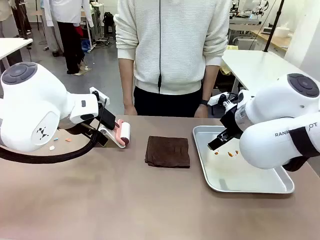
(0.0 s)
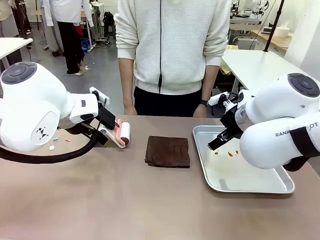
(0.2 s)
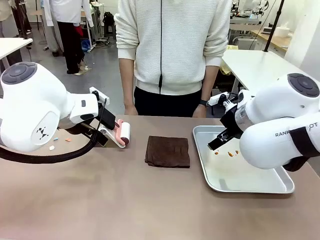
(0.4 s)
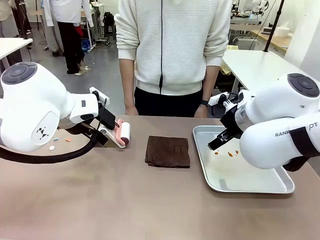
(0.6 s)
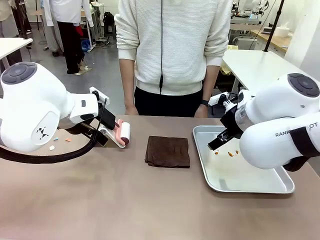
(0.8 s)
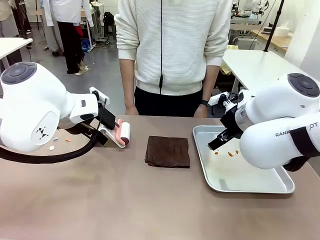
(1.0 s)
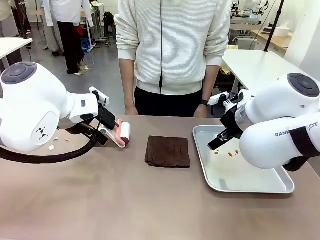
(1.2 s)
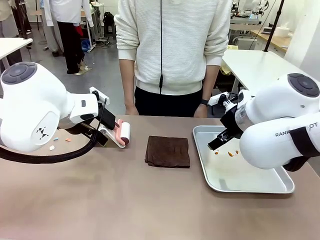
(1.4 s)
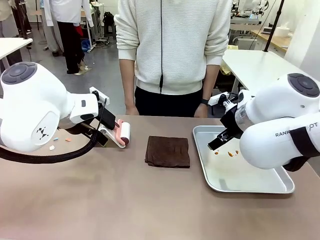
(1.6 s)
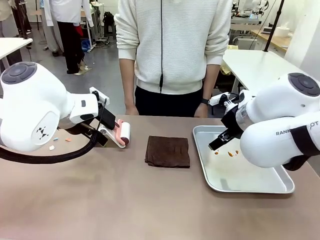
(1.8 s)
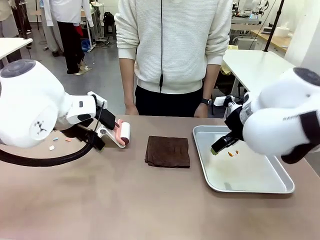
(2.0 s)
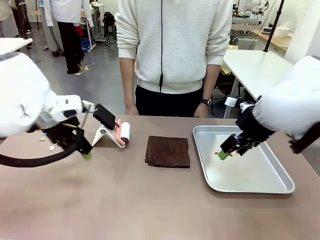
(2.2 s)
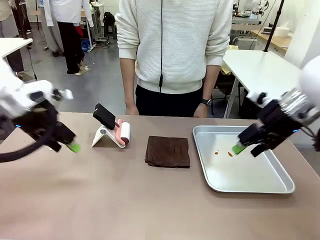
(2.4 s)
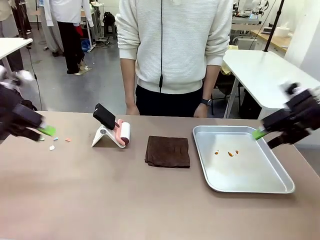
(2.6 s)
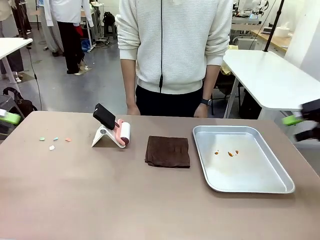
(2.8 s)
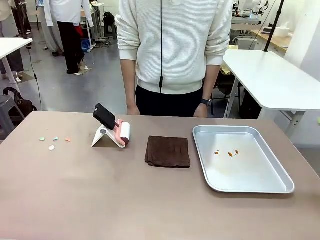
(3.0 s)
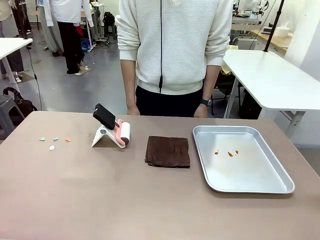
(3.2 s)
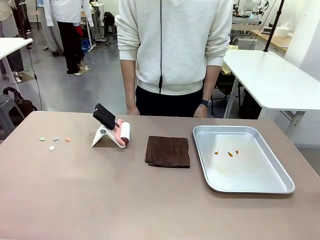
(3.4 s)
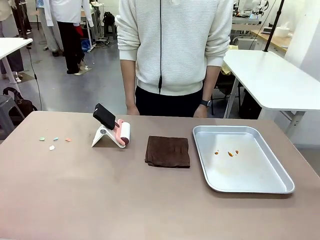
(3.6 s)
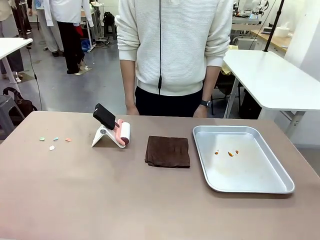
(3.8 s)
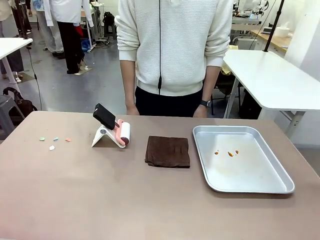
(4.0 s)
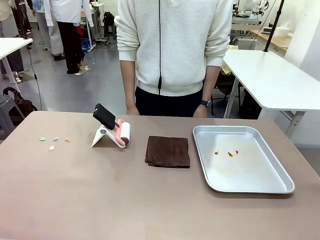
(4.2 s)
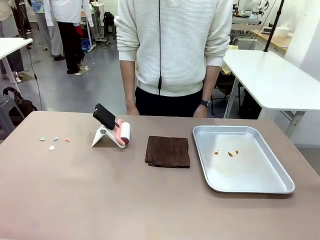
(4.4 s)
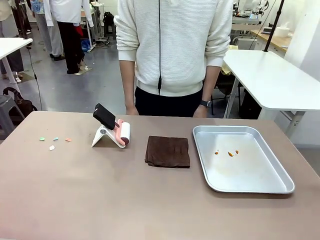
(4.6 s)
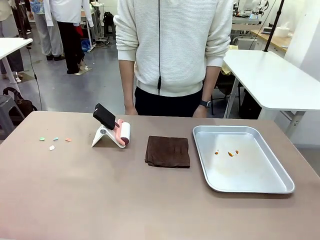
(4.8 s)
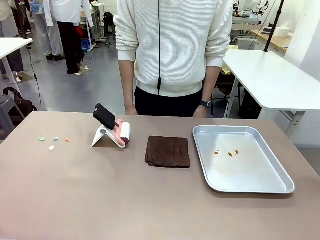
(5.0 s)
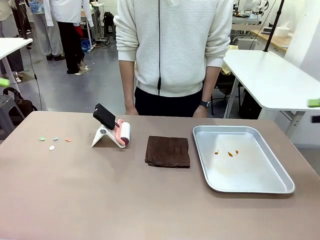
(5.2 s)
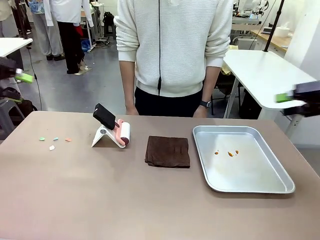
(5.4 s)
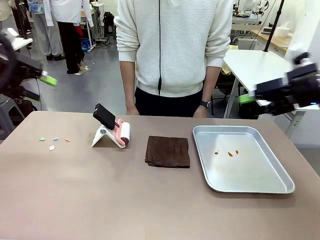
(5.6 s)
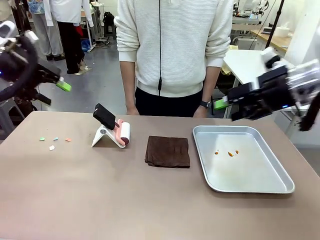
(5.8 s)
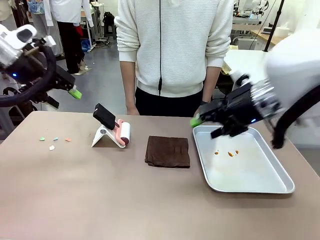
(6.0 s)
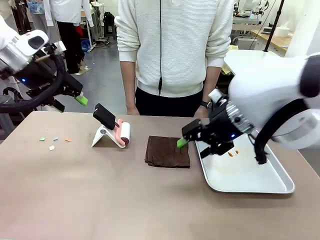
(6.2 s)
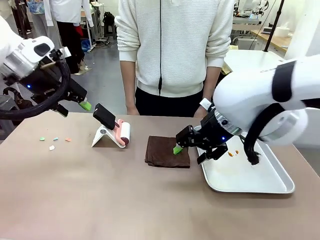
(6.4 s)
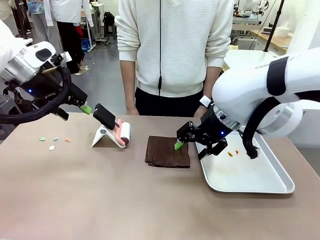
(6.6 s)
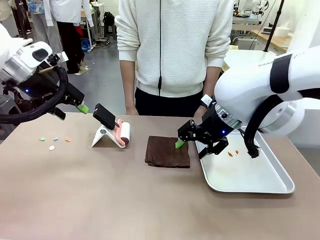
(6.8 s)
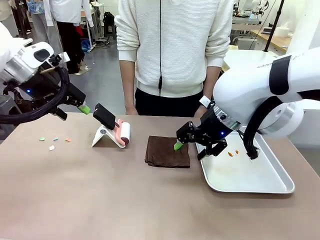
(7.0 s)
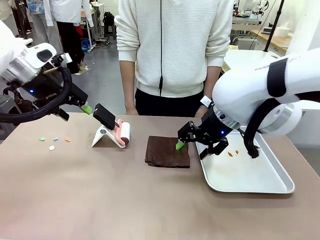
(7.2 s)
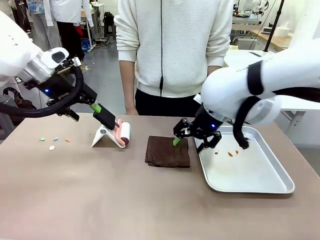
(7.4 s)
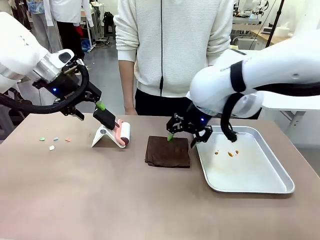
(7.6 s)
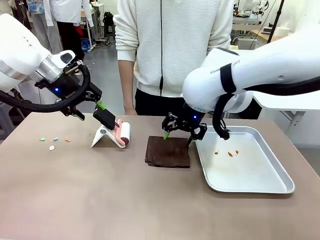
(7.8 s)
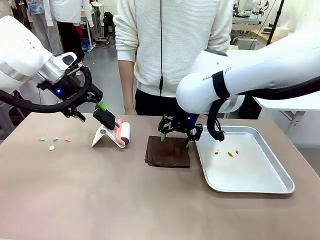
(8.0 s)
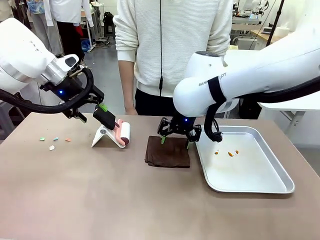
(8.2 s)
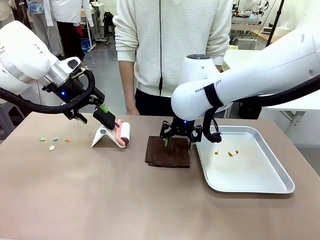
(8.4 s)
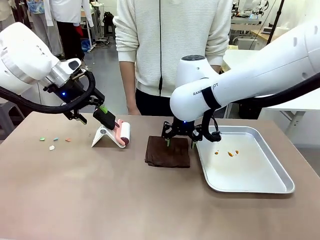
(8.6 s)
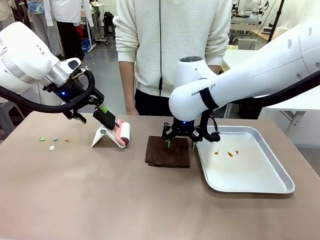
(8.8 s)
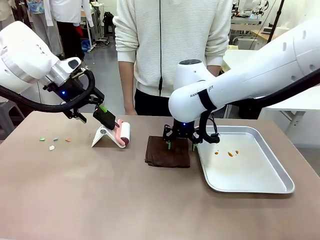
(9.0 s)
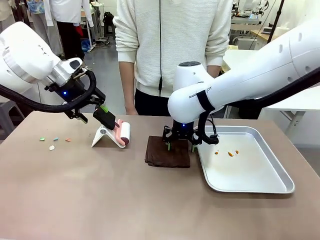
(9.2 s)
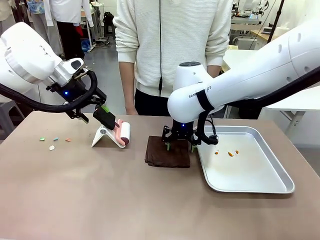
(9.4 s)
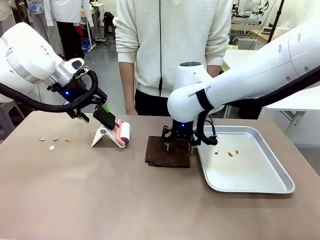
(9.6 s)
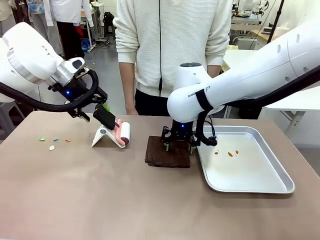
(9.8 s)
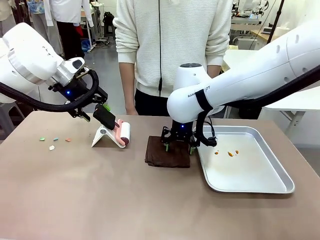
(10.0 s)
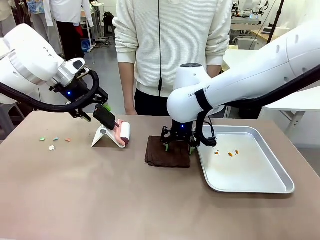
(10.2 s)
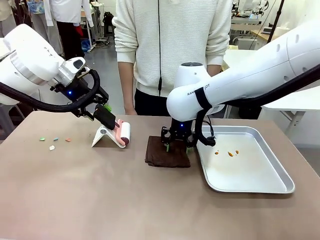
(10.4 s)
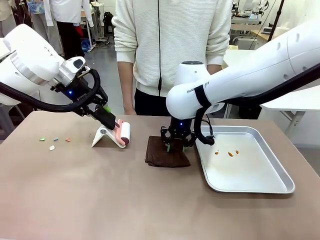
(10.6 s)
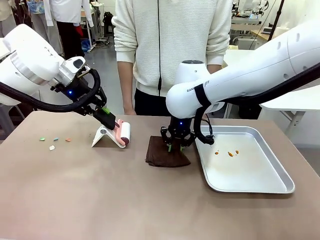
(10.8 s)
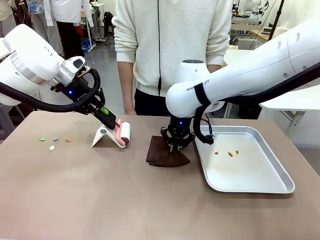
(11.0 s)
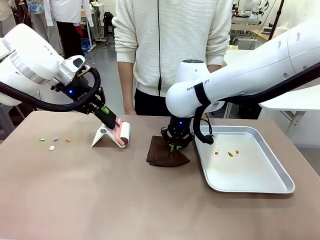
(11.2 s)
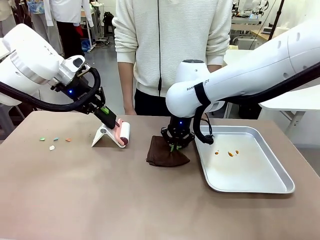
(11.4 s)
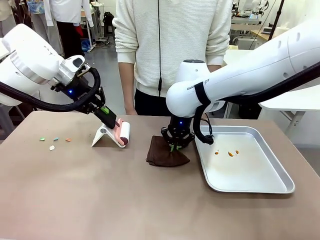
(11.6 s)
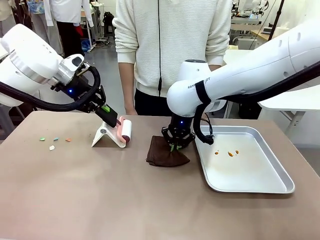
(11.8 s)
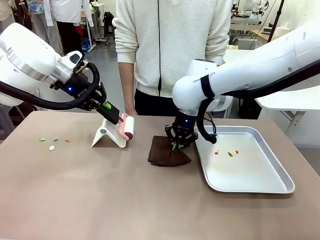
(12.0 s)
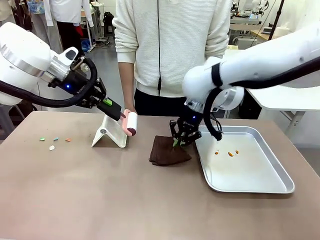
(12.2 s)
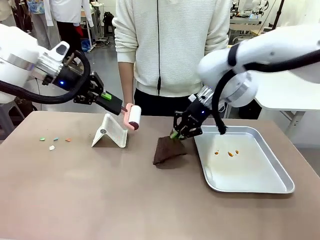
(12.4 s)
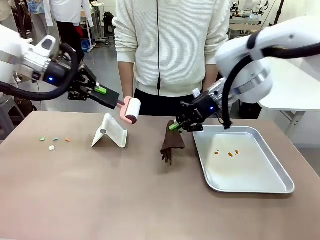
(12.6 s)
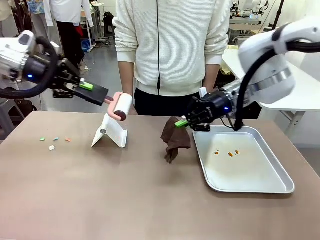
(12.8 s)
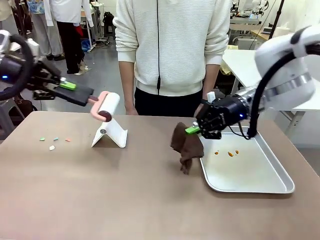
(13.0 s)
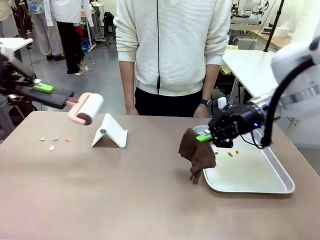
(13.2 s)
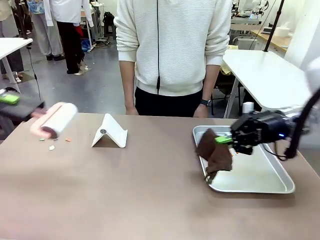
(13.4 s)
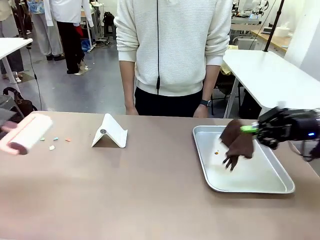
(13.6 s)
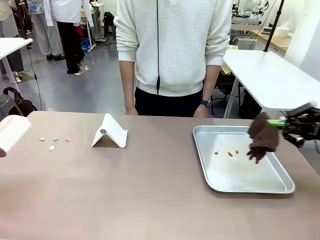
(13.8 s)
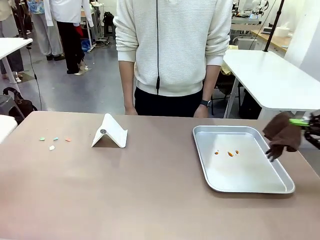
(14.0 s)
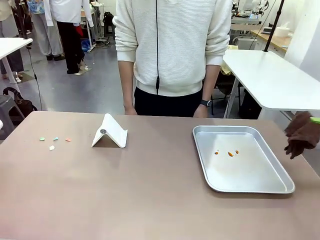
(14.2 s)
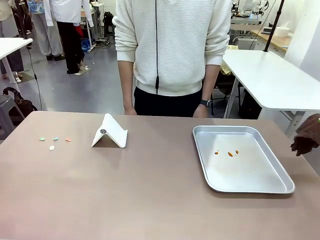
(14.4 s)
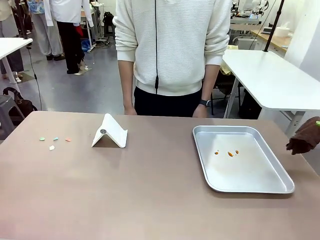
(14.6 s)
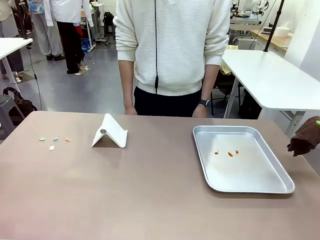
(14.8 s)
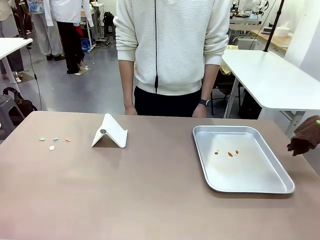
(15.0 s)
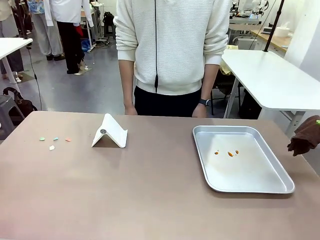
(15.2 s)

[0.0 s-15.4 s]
Task: Clean the surface of the table.
Robot: Hold the Lint Roller with your left hand and the towel with your right hand.

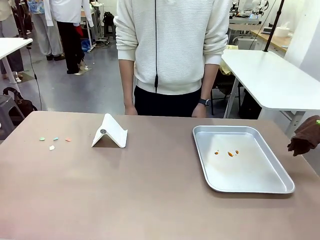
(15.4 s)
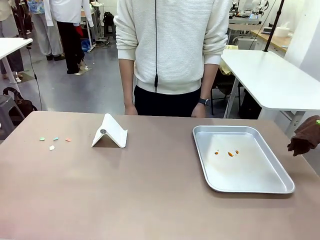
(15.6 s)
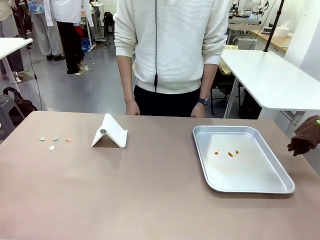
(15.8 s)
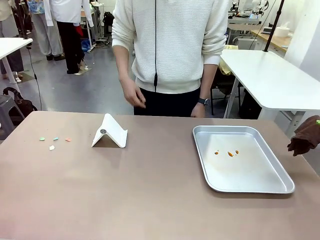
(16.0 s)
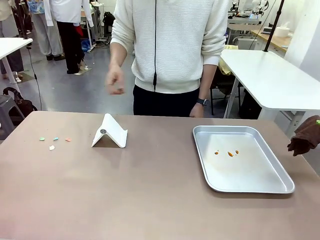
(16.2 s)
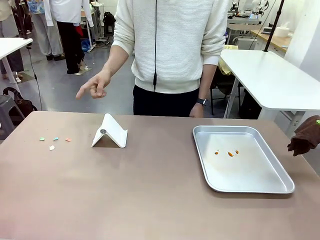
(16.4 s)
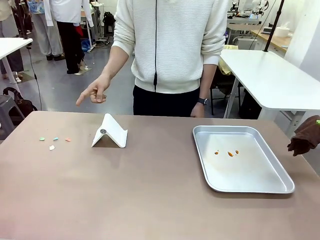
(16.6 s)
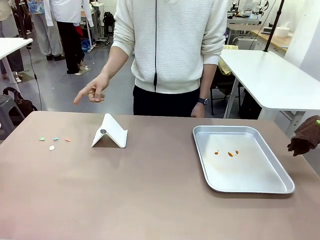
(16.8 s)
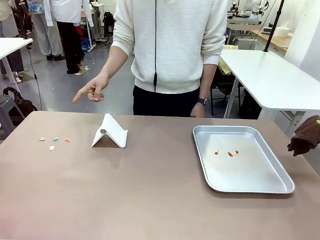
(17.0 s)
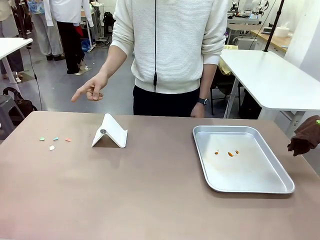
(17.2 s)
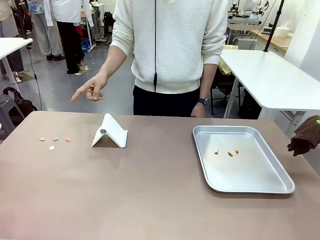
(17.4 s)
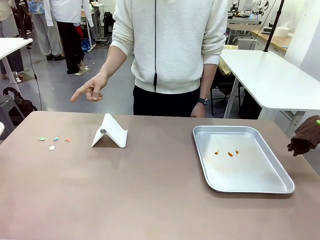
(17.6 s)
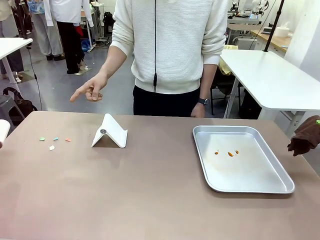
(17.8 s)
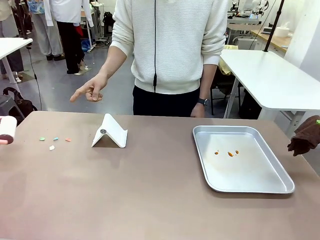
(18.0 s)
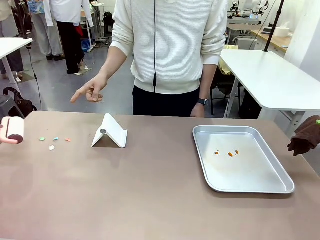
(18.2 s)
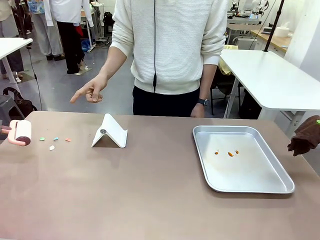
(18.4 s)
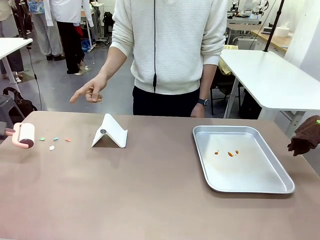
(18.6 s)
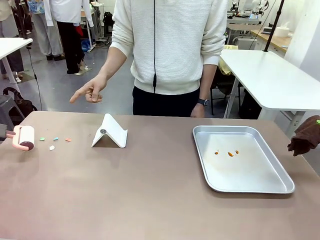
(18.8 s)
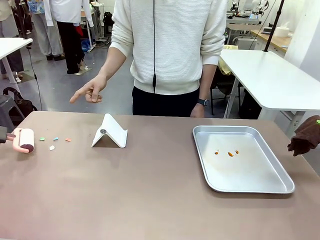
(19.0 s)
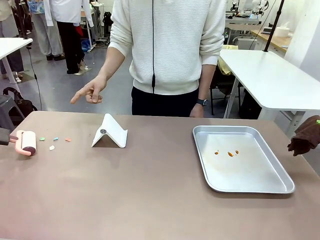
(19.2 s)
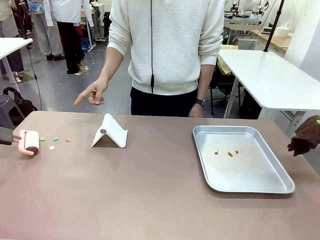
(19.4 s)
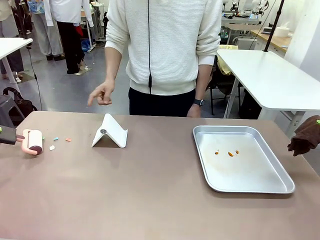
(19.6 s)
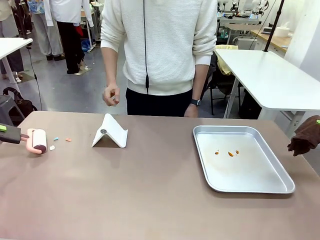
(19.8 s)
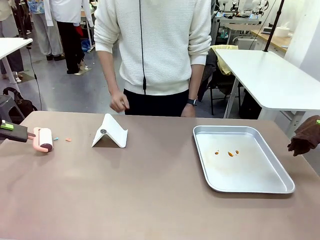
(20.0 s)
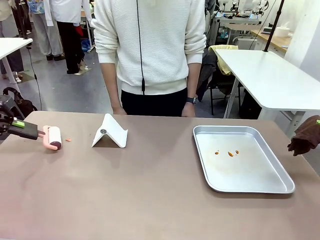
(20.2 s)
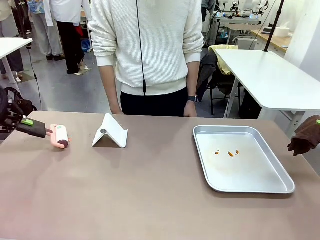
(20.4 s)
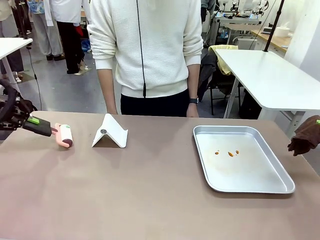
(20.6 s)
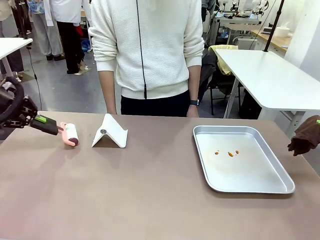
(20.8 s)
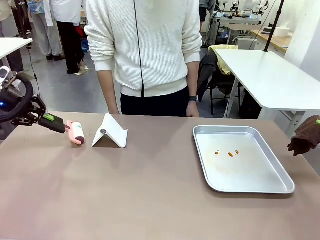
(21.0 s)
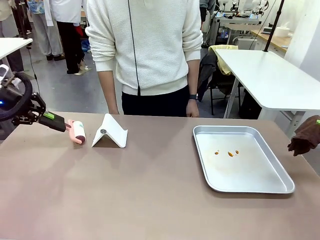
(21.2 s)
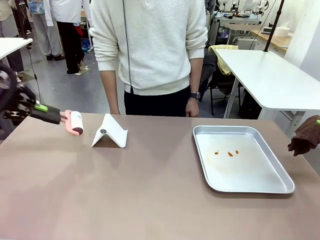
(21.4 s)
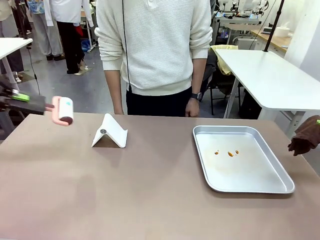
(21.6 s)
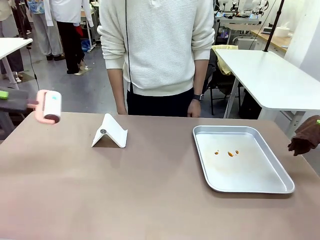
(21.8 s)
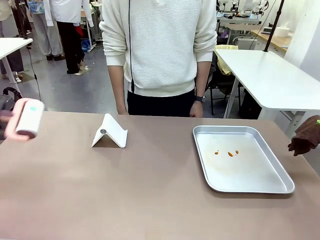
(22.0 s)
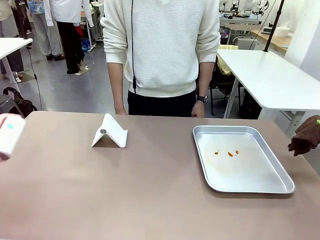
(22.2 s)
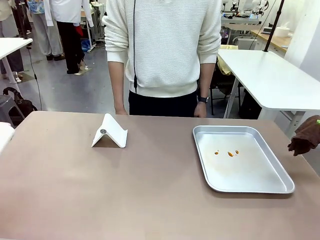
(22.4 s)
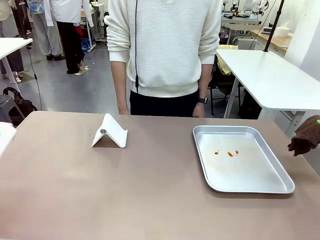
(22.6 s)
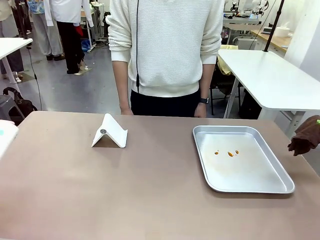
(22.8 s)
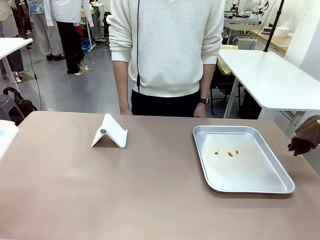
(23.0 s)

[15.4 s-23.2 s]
Robot: If a person points to the right, clean the right side of the table with your right hand, and if they point to the left, clean the left side with your left hand.
